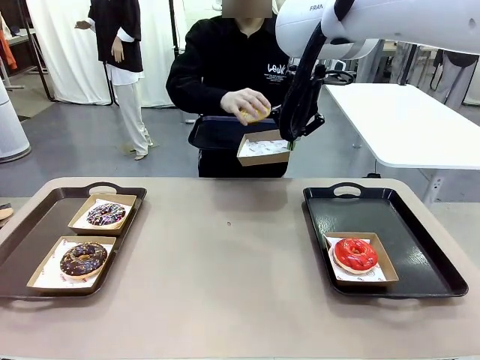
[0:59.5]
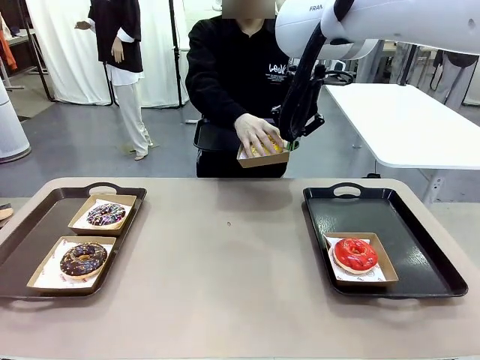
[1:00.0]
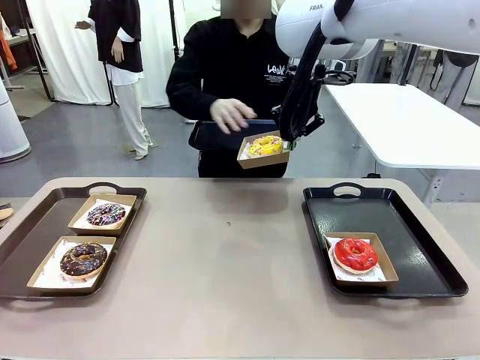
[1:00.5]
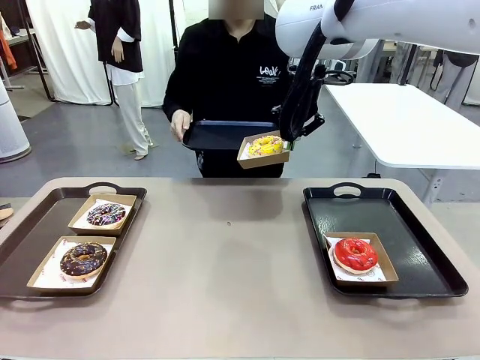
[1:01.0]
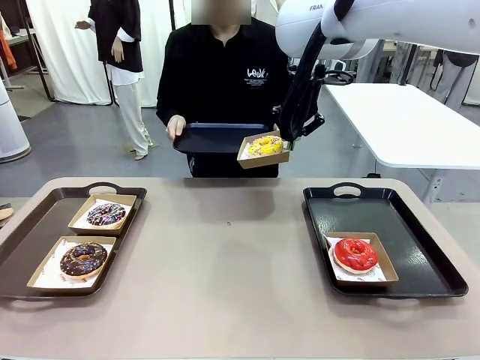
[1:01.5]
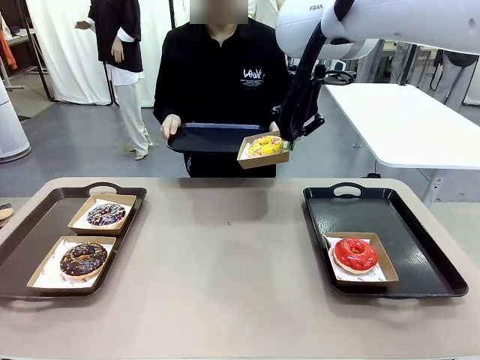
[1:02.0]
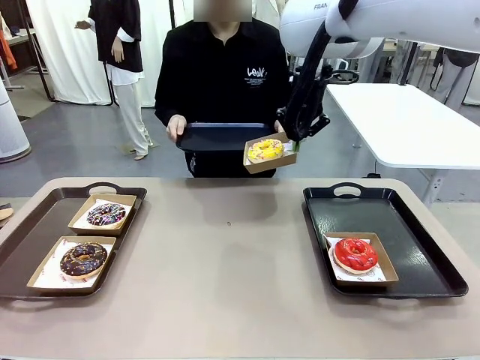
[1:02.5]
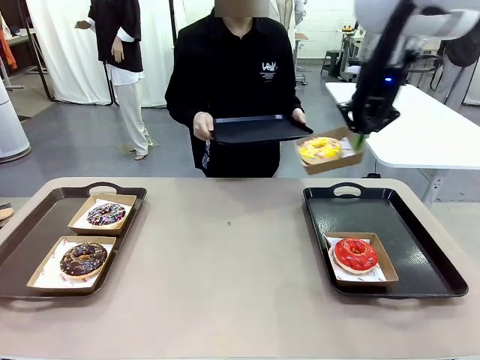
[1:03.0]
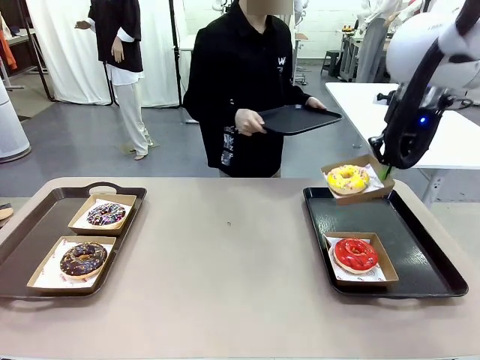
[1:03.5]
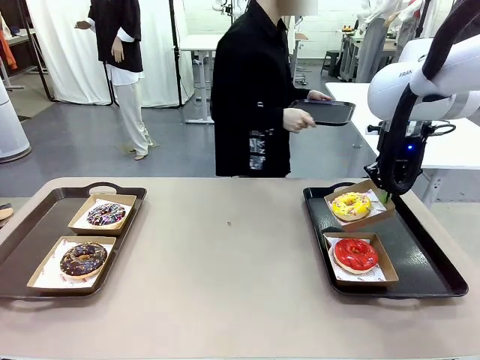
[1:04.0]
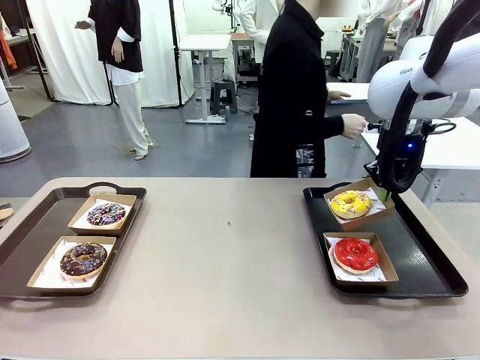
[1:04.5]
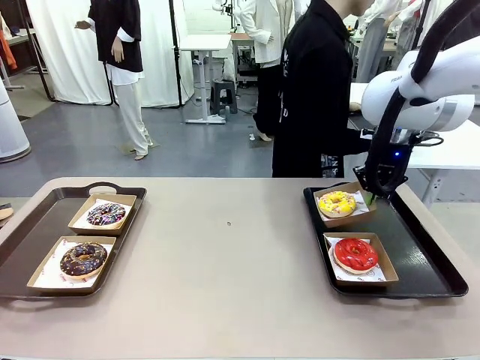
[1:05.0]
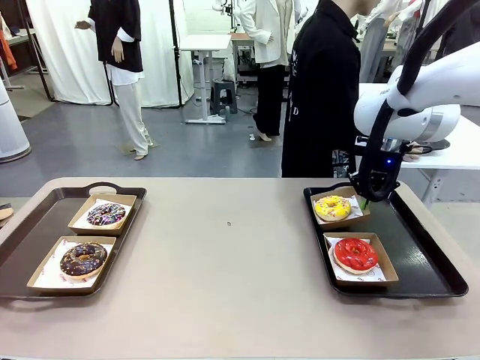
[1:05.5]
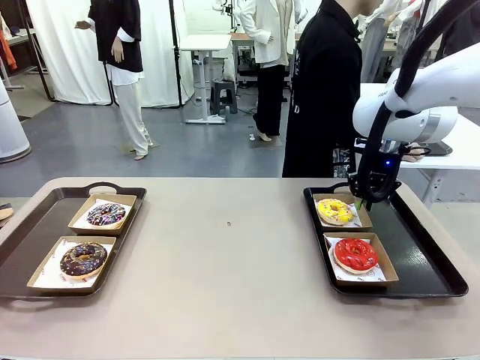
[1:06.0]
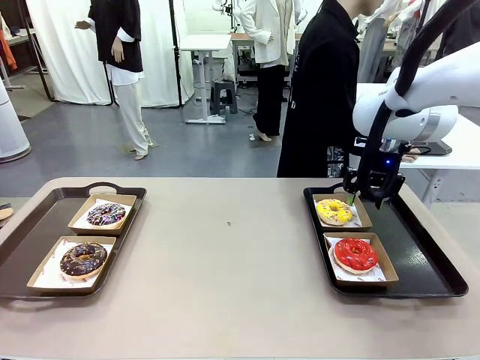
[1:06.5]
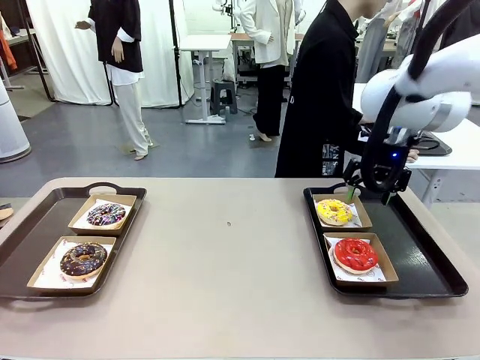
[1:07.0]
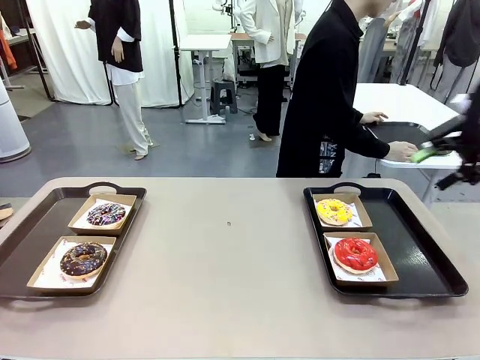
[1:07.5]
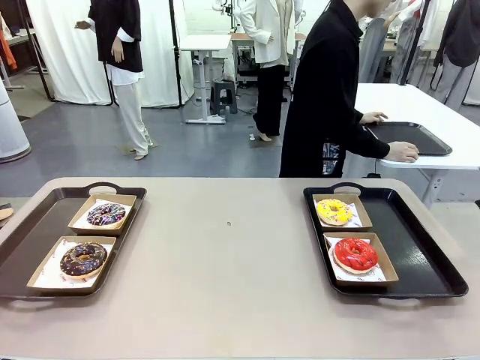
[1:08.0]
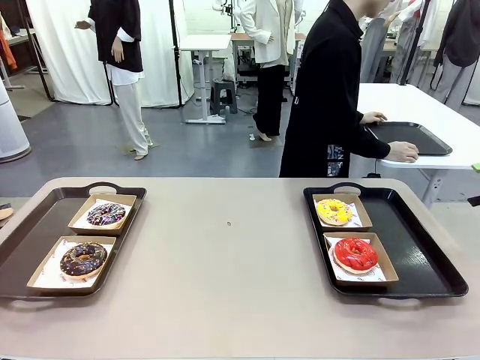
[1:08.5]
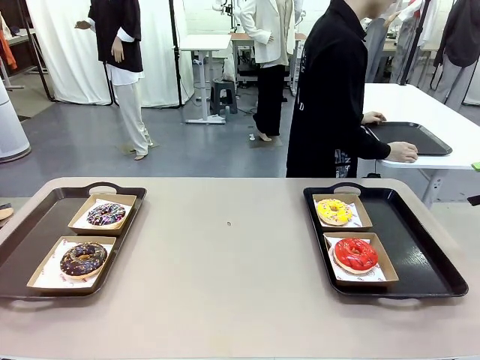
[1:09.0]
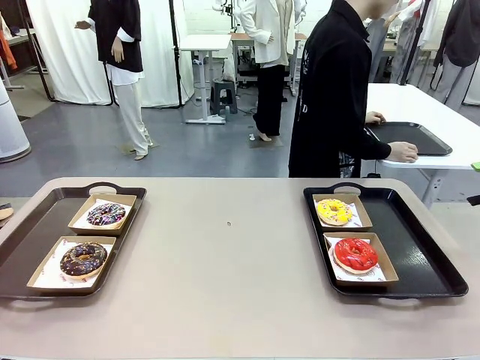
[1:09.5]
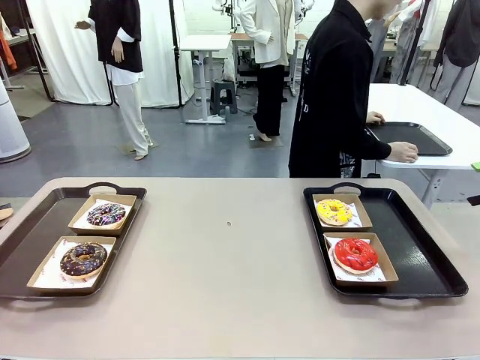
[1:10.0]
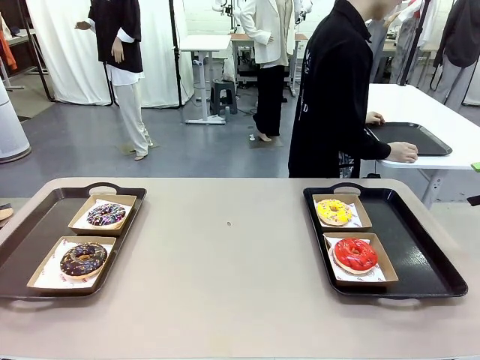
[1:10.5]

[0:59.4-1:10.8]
Task: Individually package the donuts and arrange them on the tray.
Robot: Place the picked Paper togo box on the Handle tray.
Person: Place the tray down in the middle of the human table.

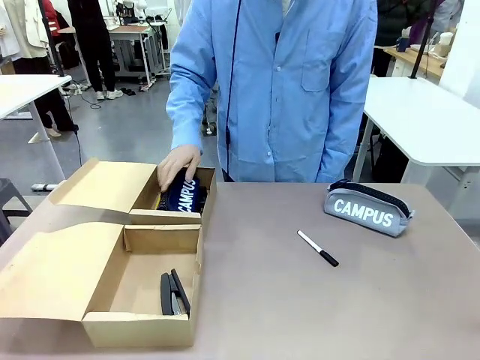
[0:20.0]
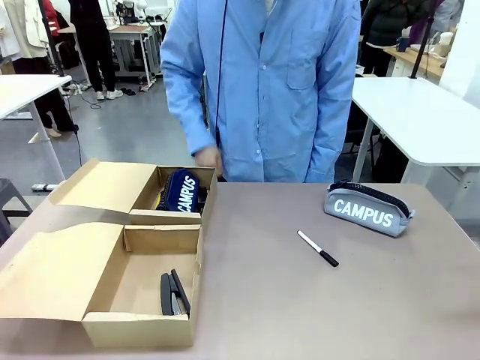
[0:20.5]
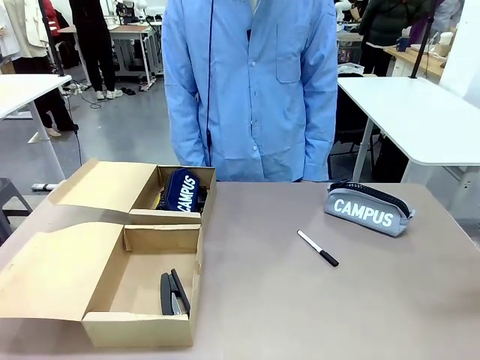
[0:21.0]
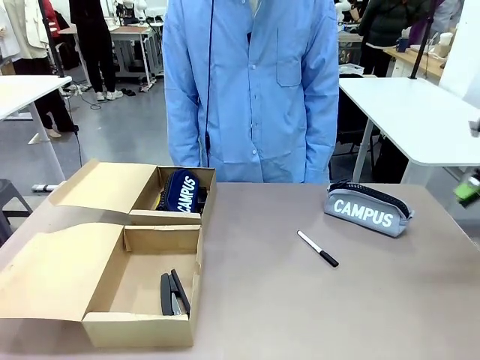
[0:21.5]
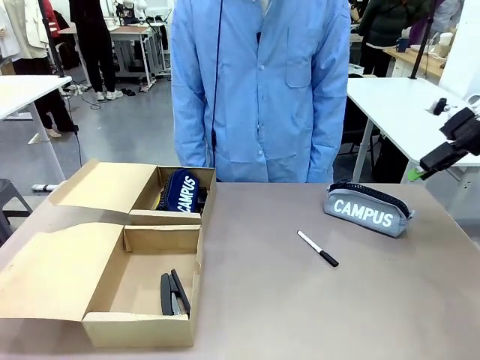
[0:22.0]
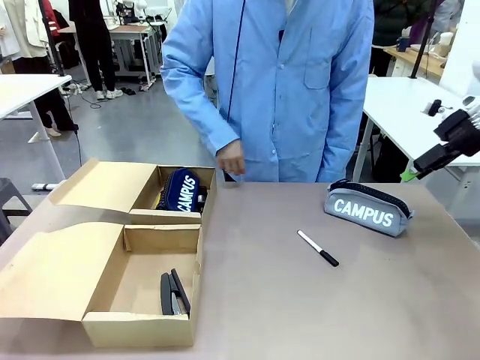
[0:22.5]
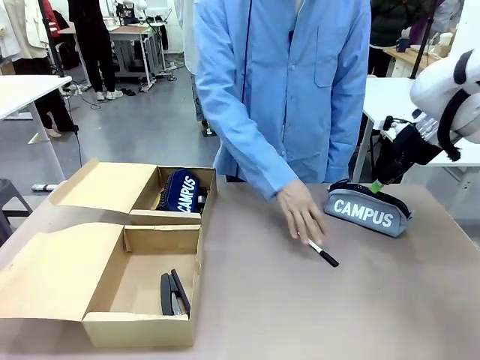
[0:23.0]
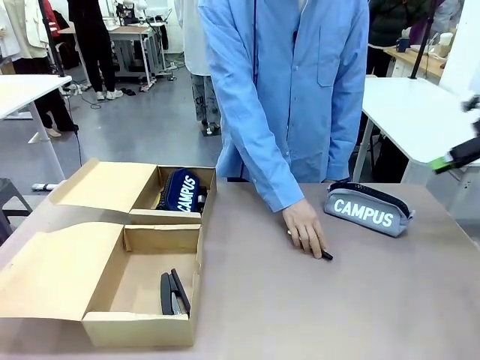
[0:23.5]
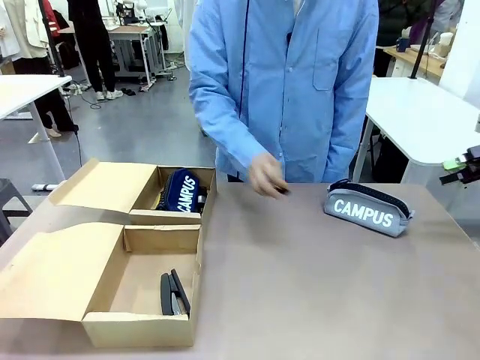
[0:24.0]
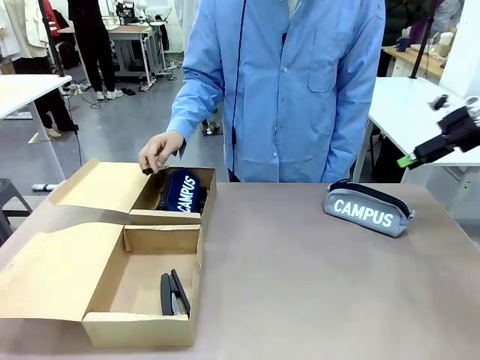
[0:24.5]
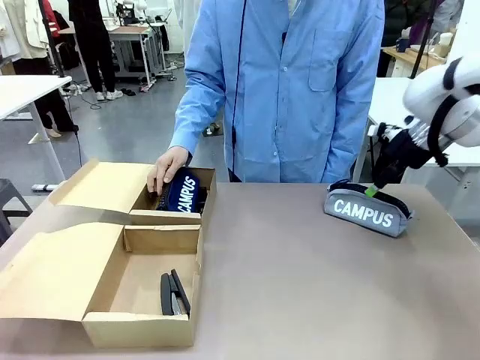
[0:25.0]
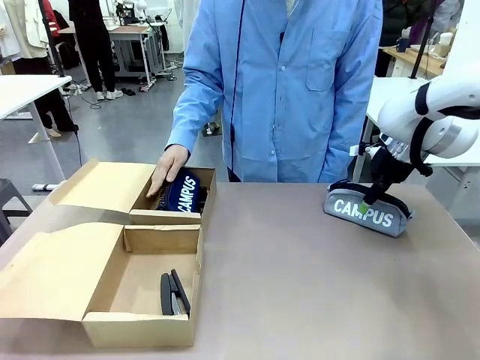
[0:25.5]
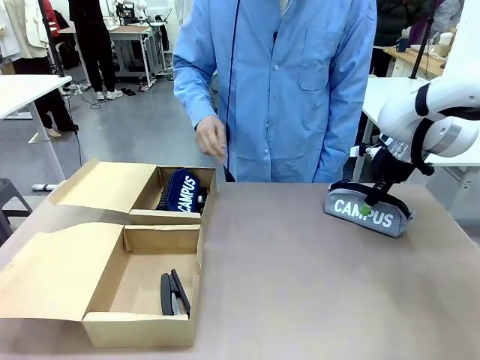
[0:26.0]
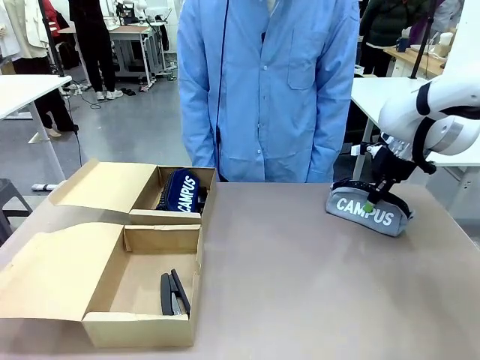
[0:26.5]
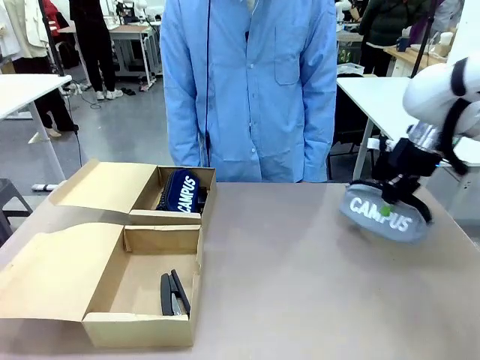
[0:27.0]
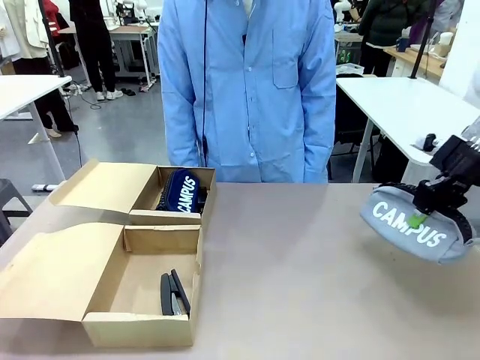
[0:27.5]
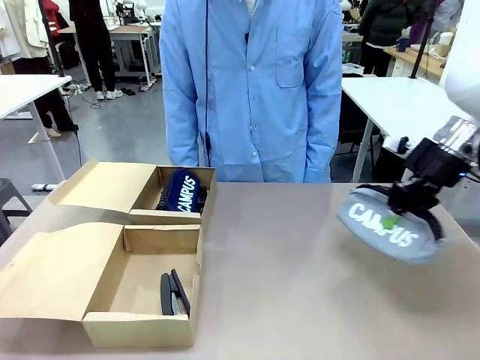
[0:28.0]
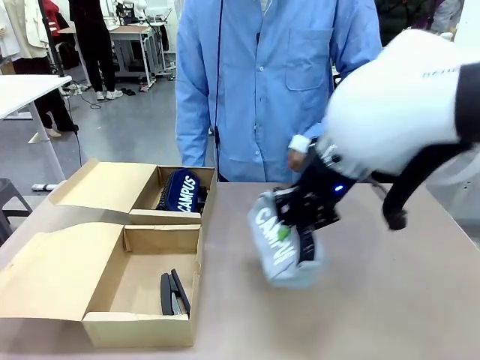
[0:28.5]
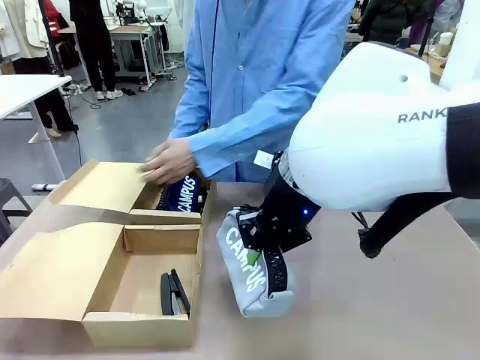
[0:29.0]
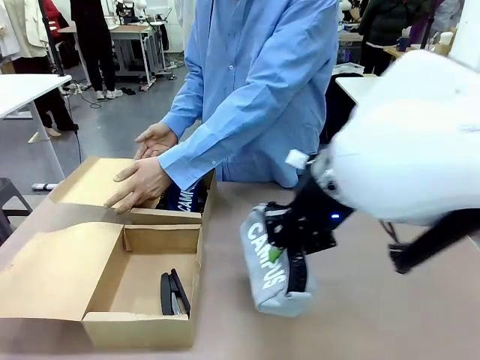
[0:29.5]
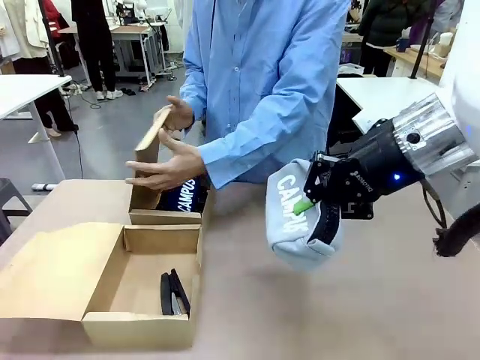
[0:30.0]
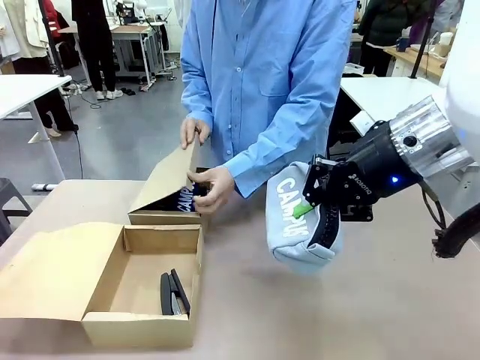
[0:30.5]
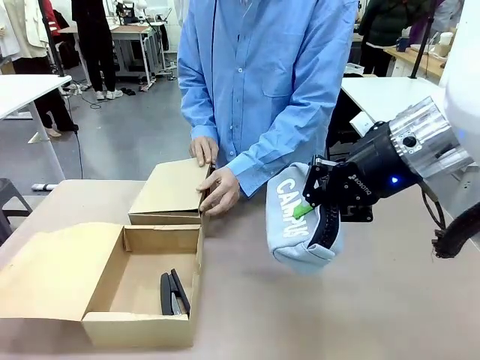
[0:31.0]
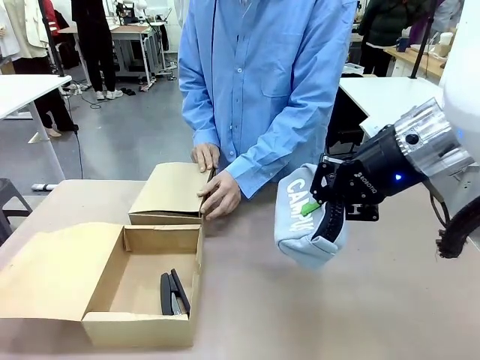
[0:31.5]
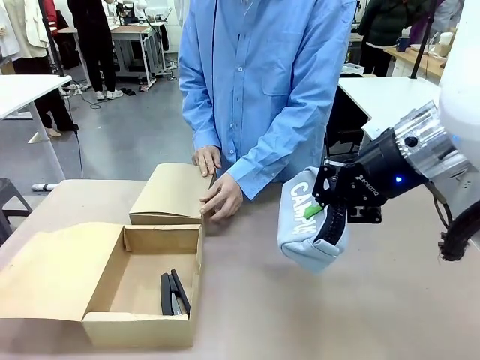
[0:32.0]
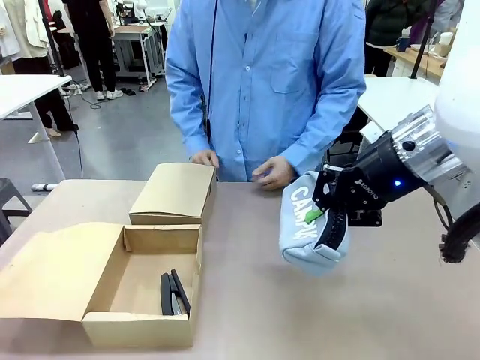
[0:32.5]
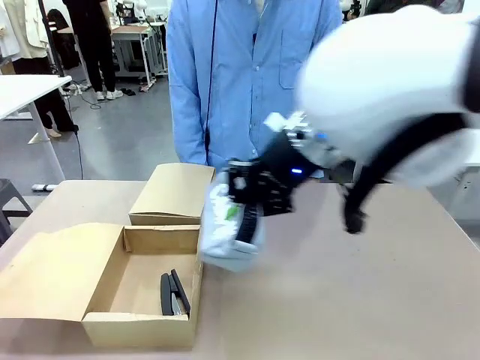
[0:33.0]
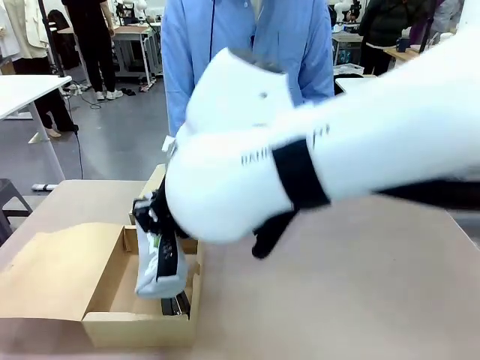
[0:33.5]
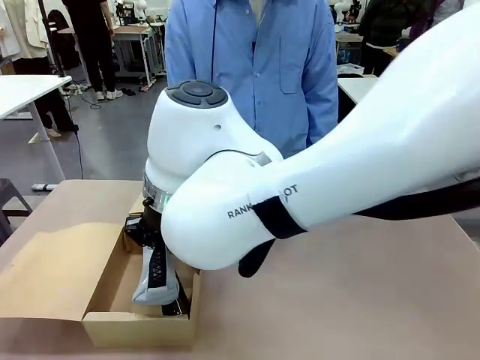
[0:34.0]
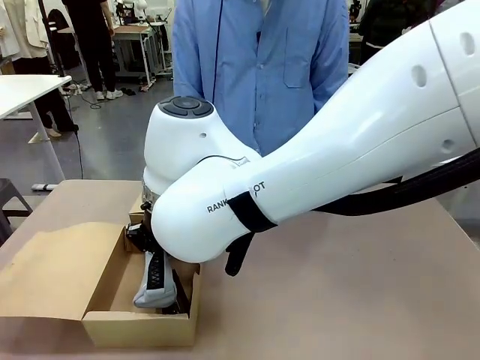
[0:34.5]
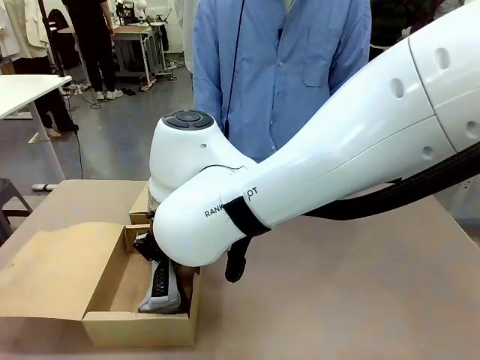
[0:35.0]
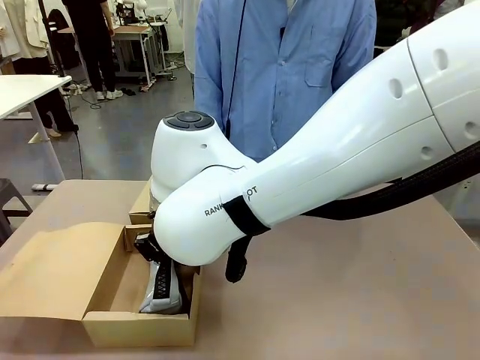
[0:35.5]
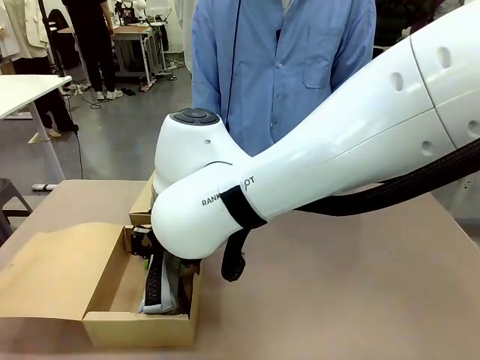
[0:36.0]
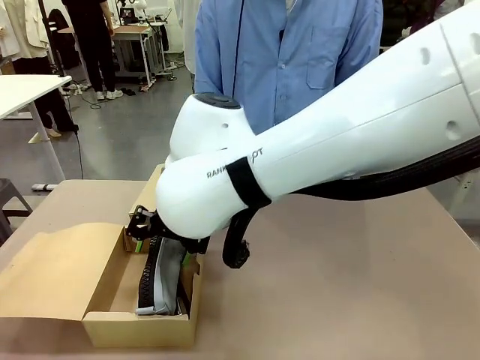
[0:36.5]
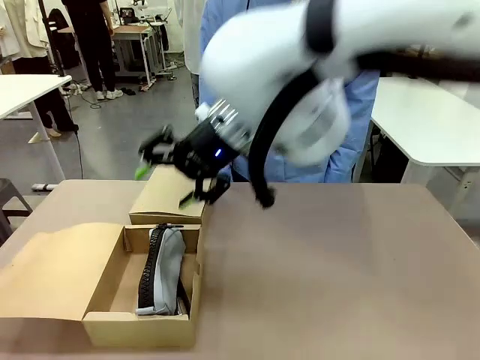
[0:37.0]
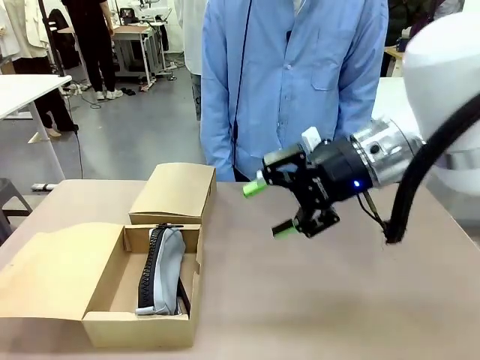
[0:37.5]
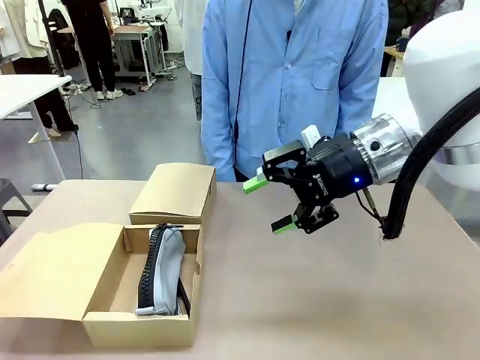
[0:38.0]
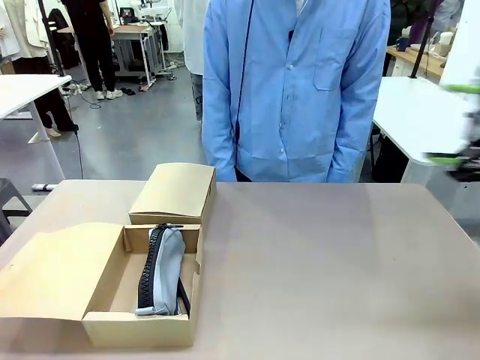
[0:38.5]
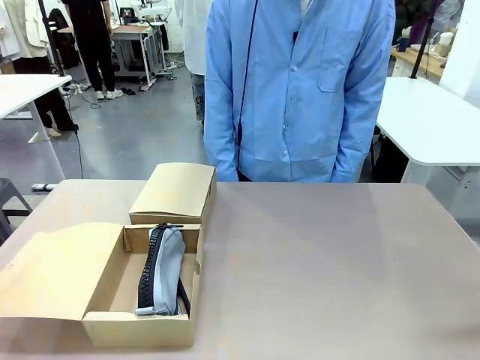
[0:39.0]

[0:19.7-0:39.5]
Task: Place items inside the box.
Robot: Pick up a Pencil pouch or Stapler and place it inside the Mailer Box closest to the robot.
Person: Close the lid of the box facing the person.
